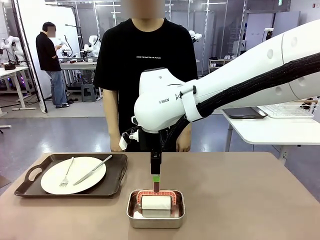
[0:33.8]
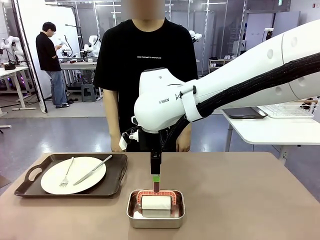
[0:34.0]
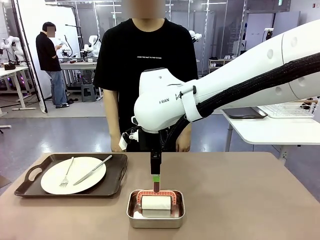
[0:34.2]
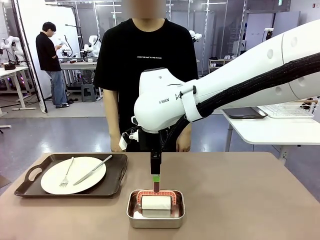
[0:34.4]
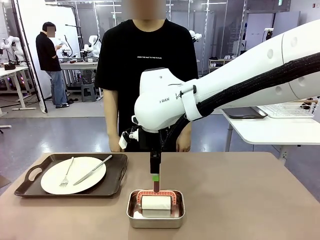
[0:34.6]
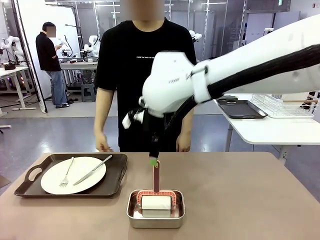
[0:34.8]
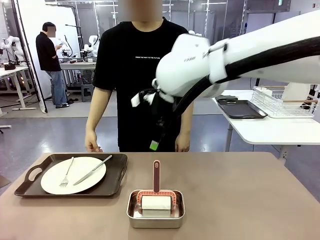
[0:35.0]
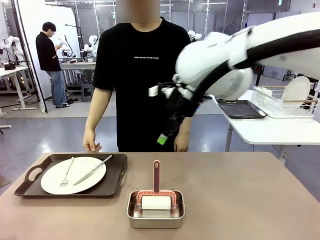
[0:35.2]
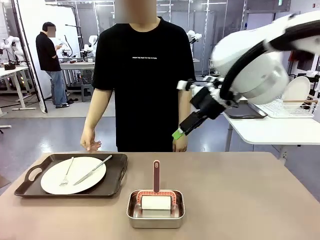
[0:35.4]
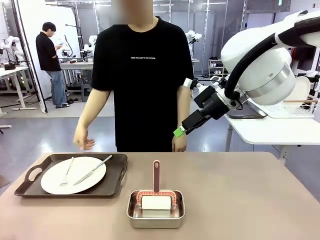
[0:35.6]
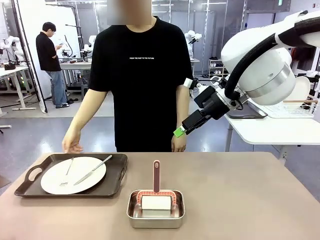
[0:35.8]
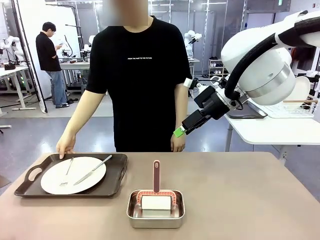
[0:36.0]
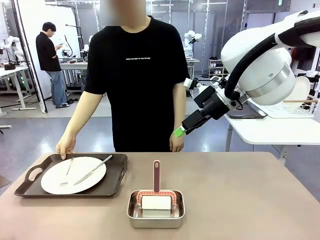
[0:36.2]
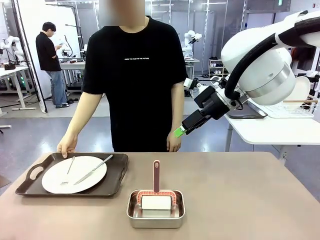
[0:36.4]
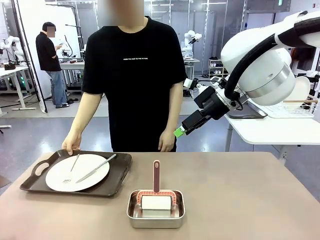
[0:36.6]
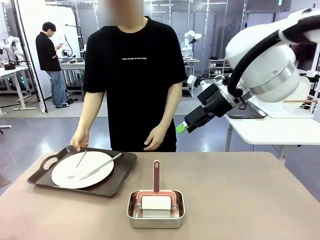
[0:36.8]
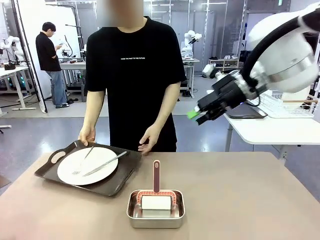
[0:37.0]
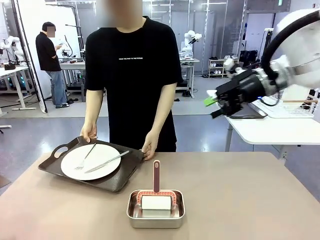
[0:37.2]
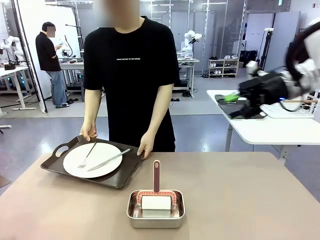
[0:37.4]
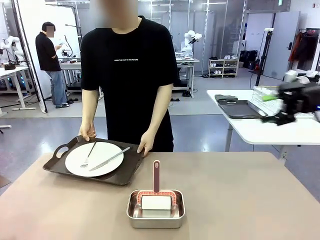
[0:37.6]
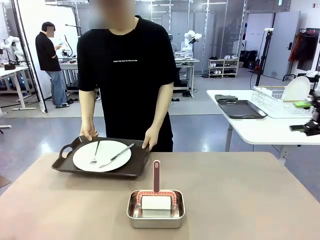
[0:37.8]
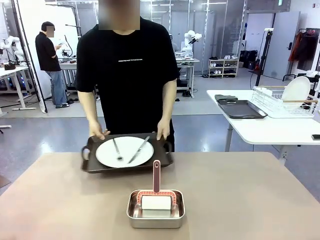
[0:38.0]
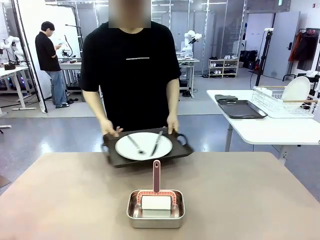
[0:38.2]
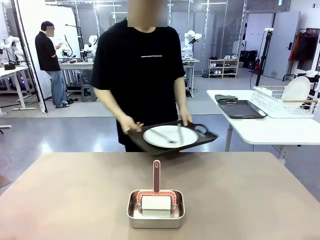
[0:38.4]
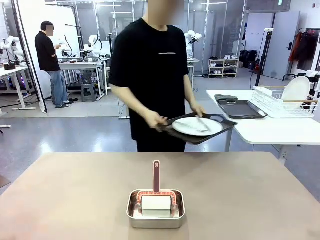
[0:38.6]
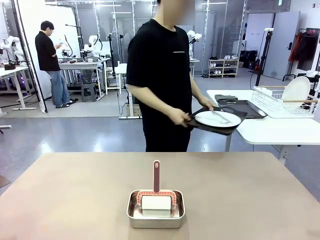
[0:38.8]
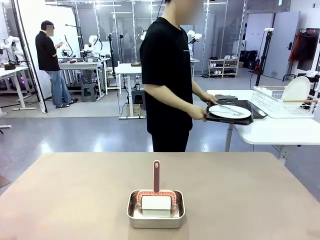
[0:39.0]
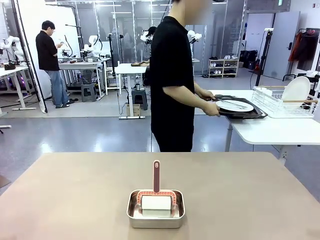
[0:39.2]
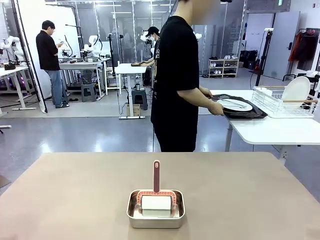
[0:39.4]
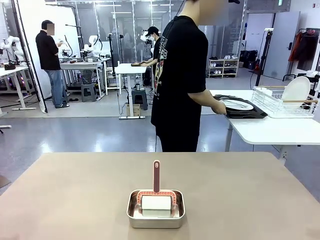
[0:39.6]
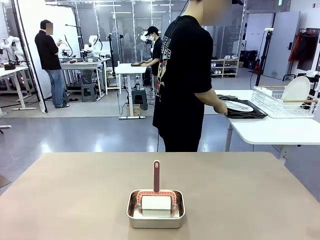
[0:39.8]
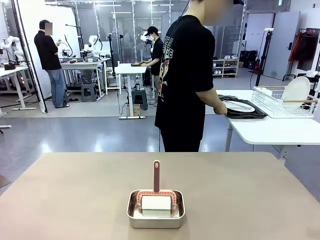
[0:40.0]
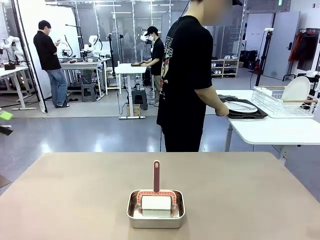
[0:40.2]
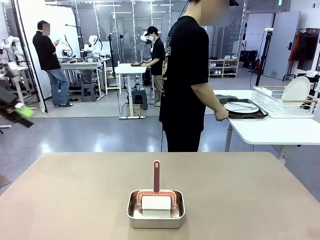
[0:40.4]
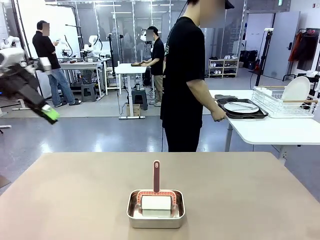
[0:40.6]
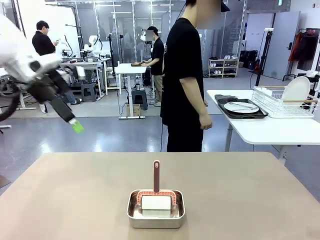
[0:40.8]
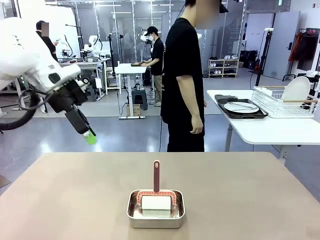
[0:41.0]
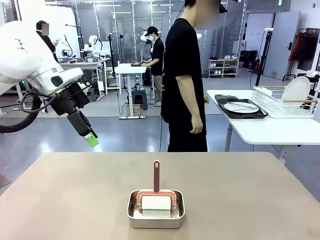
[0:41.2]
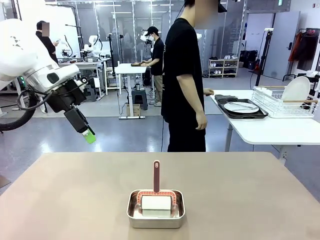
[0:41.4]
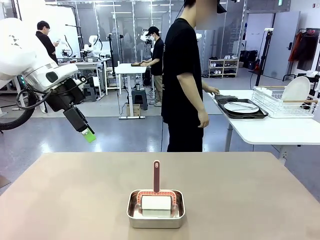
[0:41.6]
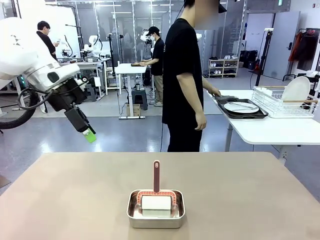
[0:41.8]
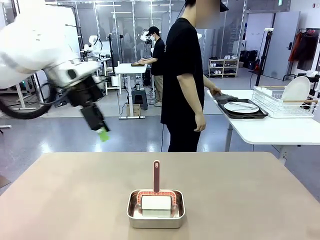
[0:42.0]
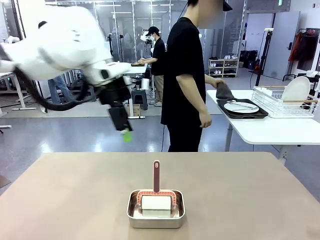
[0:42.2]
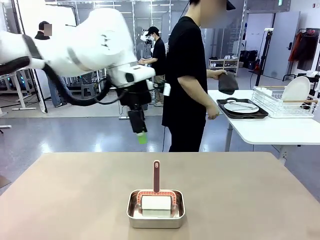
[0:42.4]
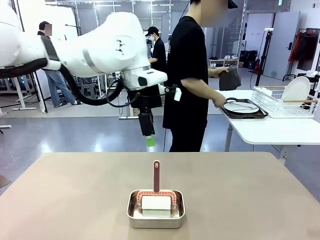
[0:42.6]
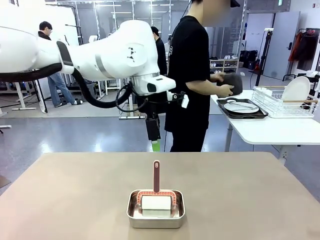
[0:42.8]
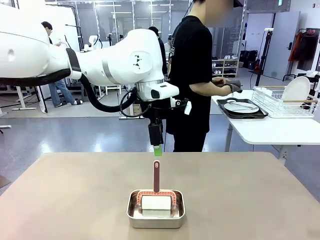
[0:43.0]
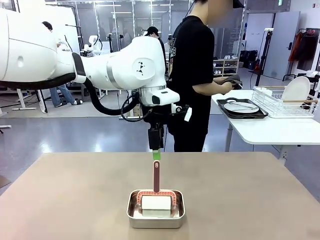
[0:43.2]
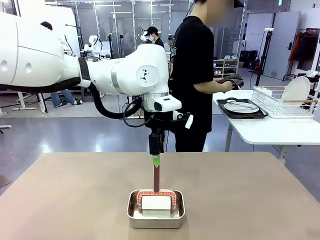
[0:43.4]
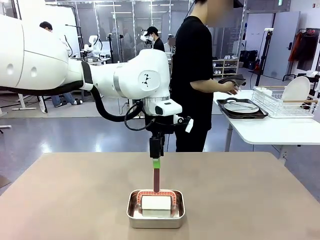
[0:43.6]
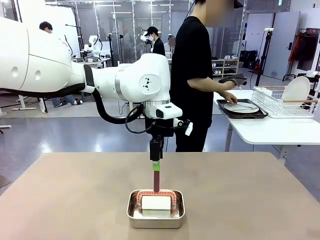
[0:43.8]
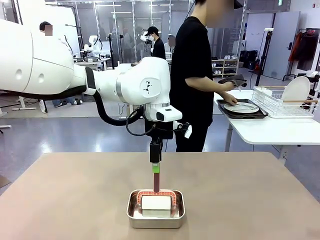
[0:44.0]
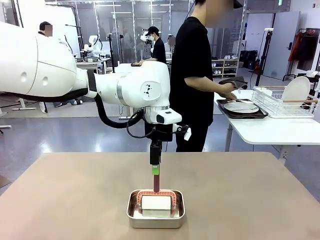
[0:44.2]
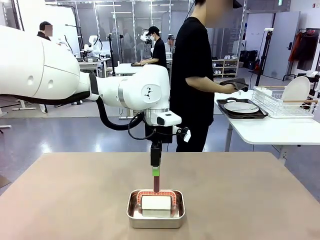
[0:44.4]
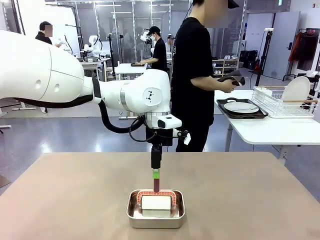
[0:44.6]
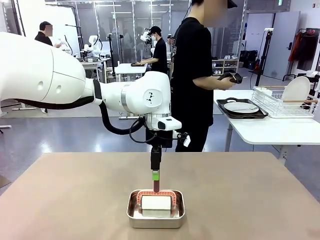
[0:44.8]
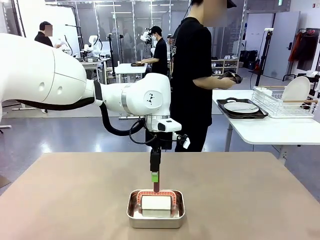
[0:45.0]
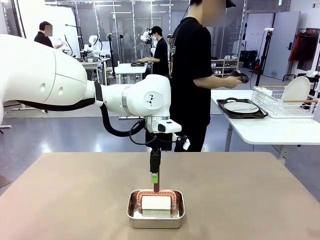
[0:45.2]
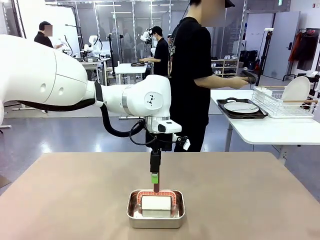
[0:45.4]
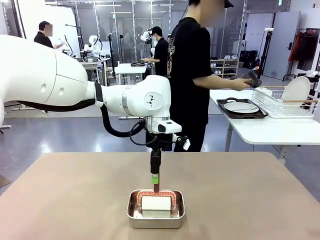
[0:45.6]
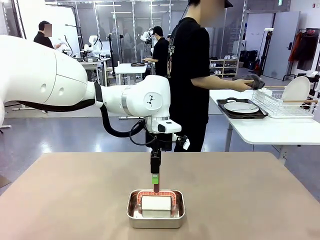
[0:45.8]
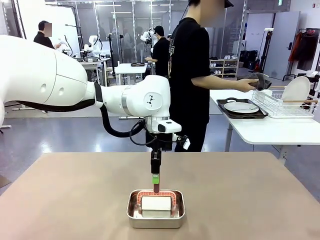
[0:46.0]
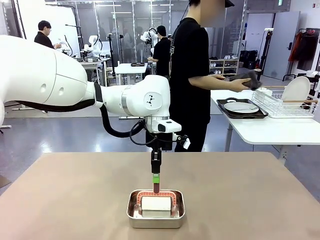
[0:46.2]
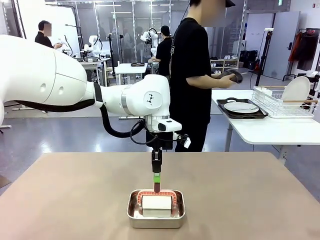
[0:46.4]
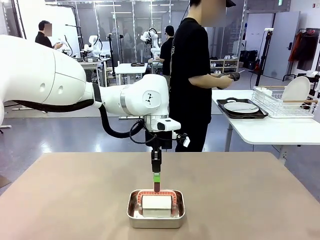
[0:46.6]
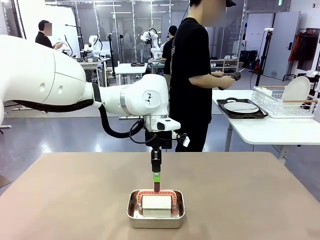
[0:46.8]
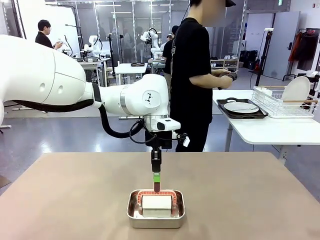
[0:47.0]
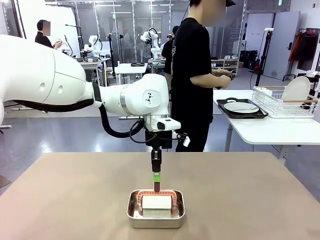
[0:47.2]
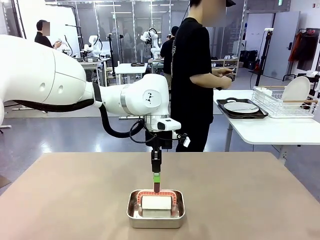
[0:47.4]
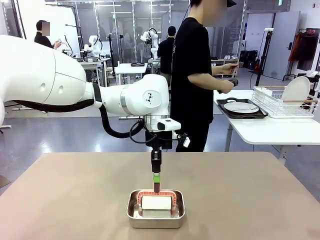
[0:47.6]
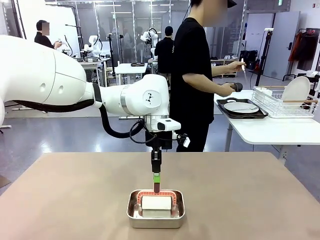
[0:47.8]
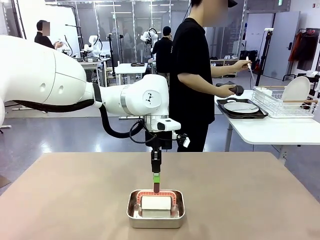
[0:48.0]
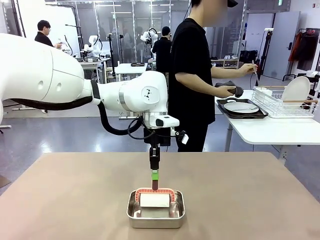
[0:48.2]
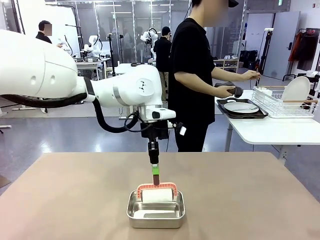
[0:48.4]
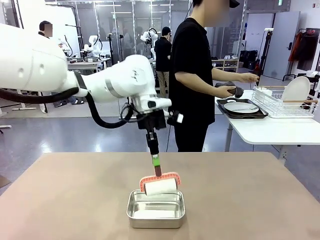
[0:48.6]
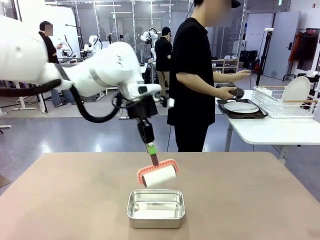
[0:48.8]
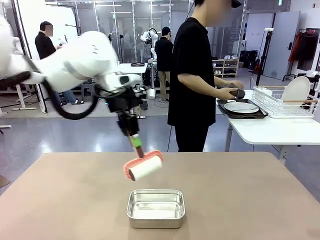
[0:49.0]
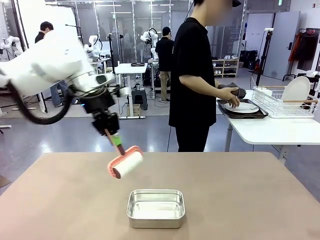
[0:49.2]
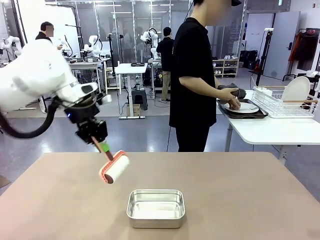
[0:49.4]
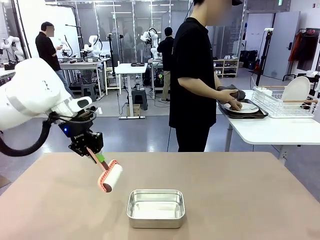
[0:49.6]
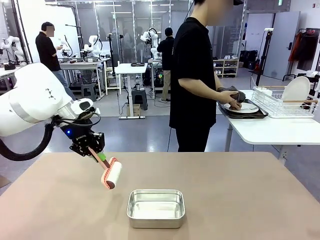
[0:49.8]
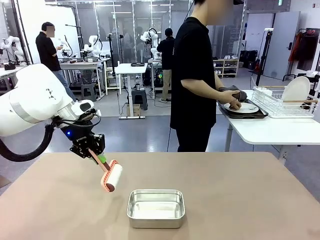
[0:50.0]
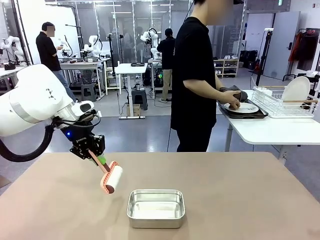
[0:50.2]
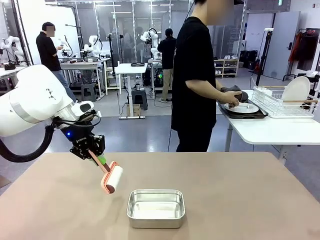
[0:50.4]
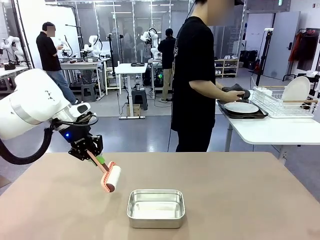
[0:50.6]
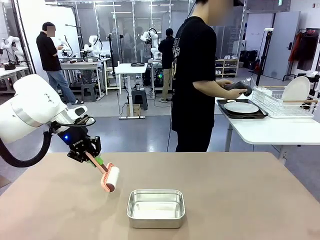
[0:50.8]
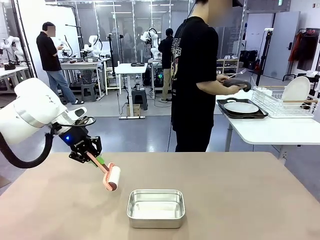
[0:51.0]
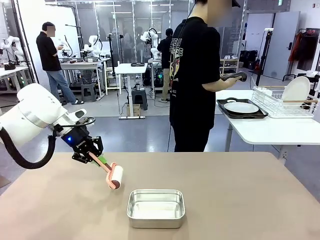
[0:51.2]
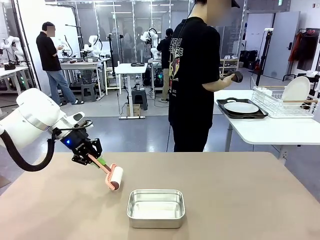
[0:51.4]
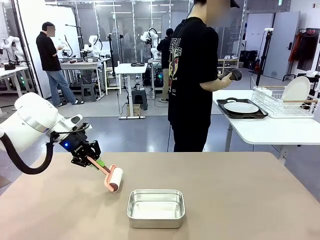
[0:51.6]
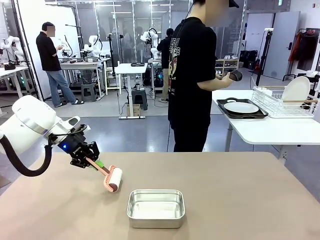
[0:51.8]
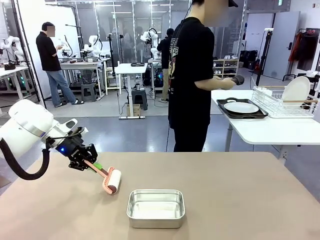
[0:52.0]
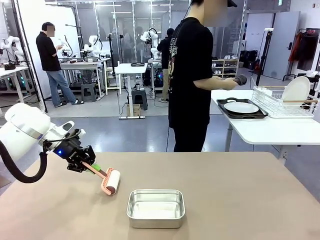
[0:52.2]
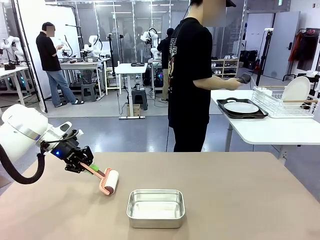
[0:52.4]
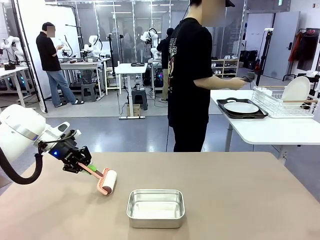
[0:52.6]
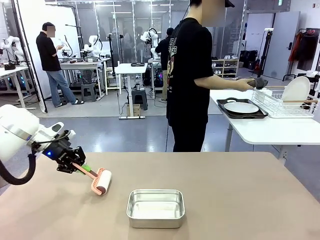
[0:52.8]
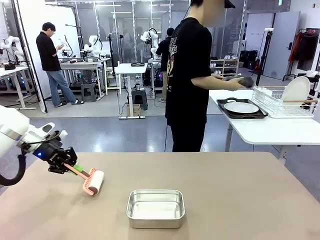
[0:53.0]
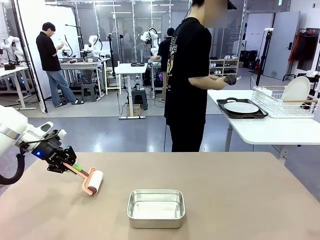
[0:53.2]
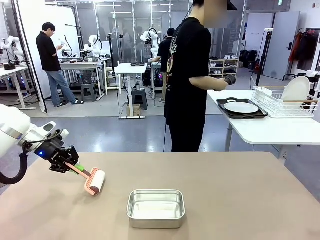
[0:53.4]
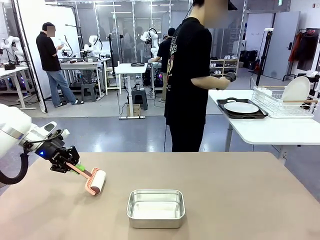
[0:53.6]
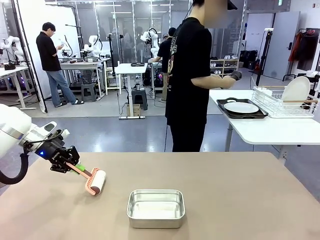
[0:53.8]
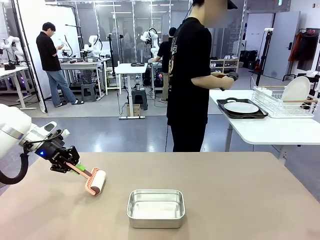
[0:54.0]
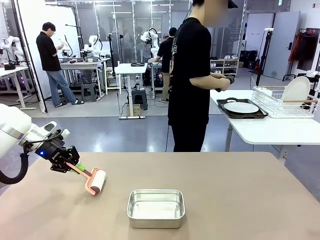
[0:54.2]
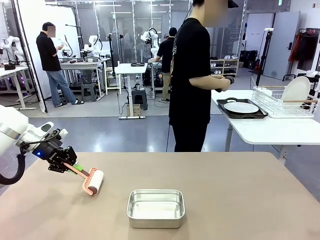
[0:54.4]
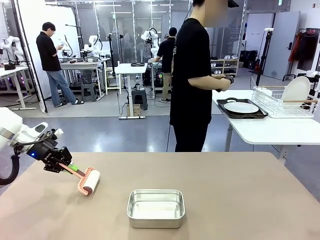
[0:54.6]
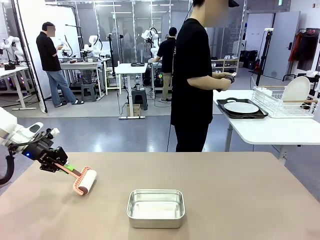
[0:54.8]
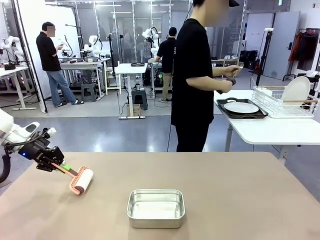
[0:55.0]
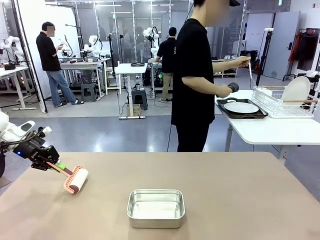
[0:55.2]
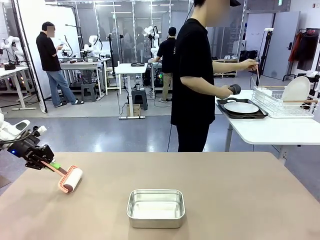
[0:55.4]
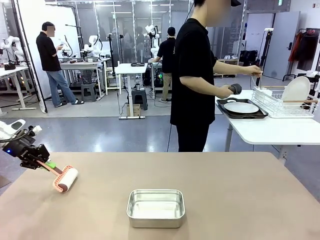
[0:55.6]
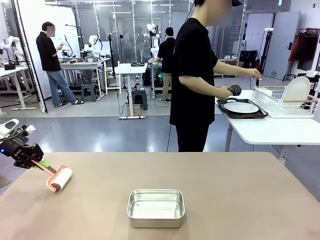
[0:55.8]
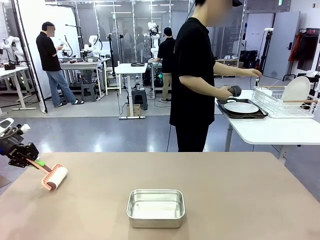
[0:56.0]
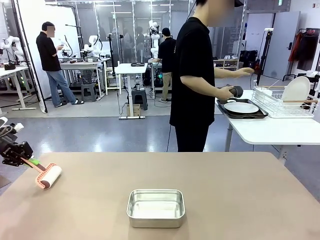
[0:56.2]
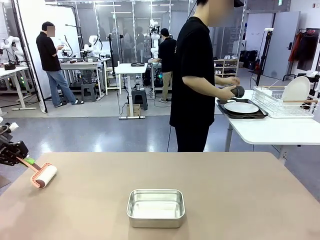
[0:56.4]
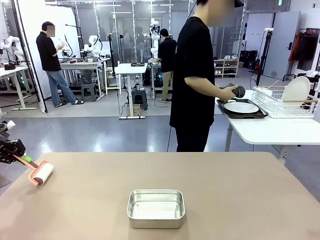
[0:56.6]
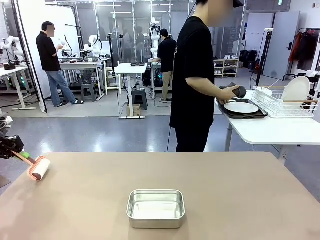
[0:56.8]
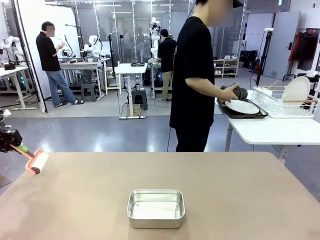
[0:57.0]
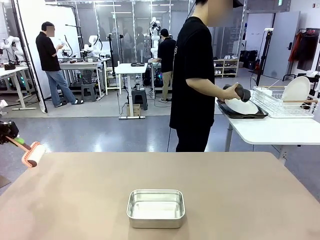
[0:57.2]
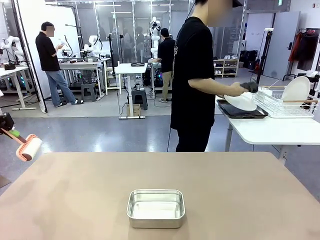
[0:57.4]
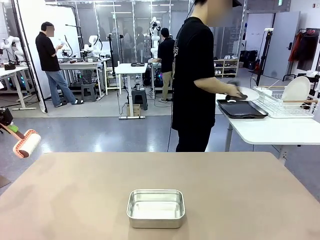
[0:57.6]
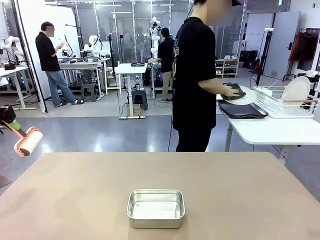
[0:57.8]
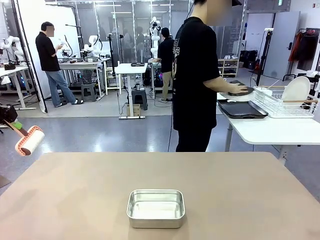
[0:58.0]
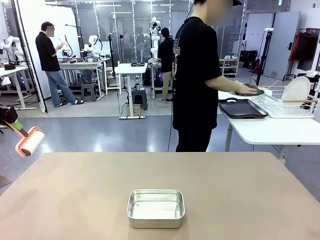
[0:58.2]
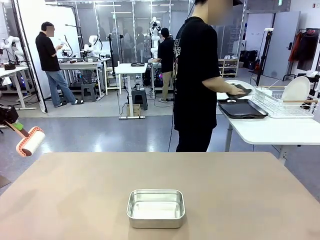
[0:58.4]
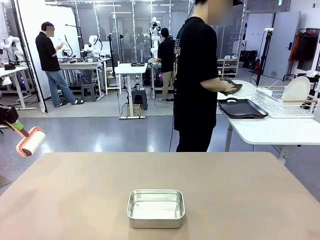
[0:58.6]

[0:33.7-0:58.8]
Robot: When the right (or left) Handle tray is removed, use the right hand (or left hand) to clean the right (or left) side of the table with the Lint Roller.
Person: Pick up the left (or right) Handle tray and place it on the Handle tray. Use the Towel with hook to wipe the Plastic Matte Plate , Fork , and Knife and place into the Dish drying rack.
